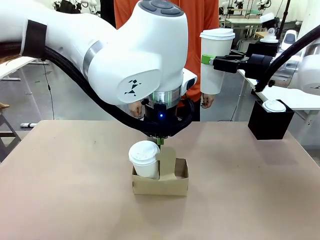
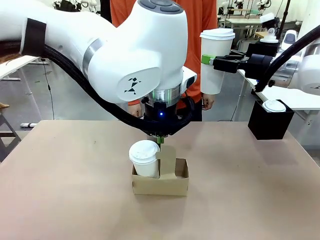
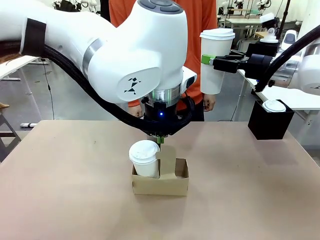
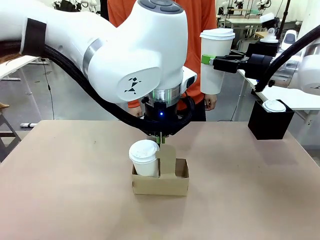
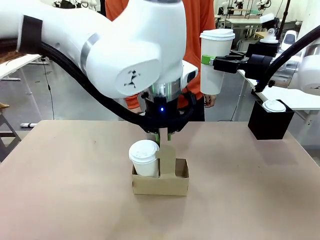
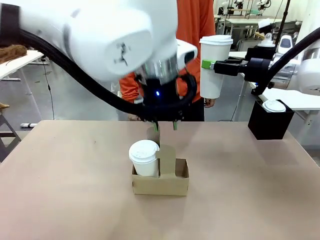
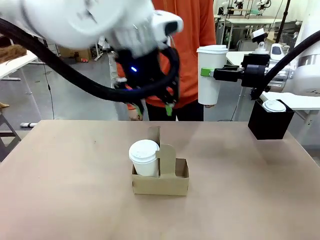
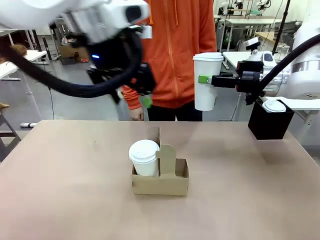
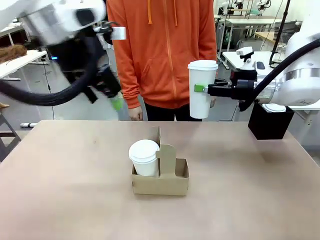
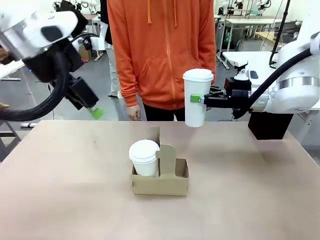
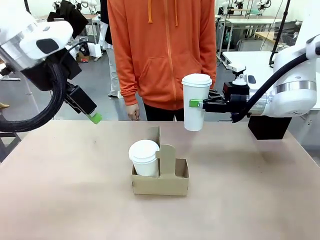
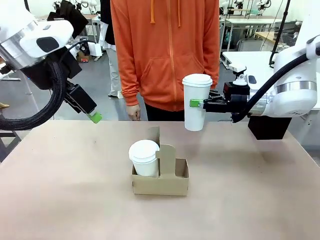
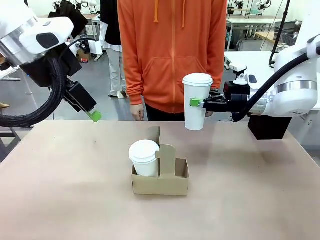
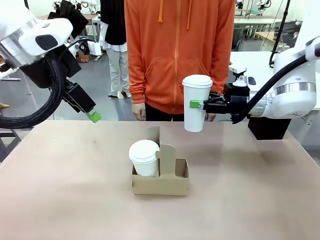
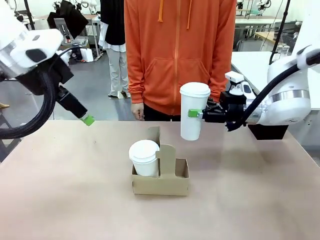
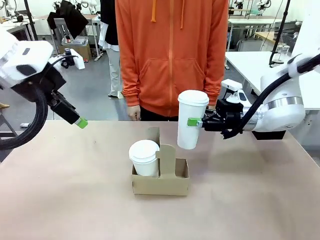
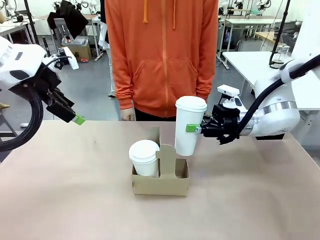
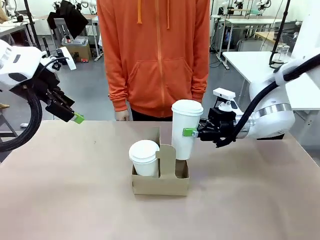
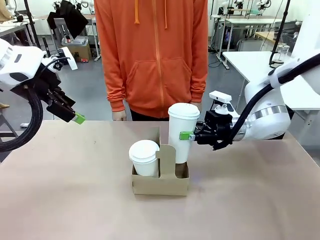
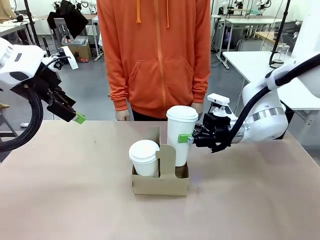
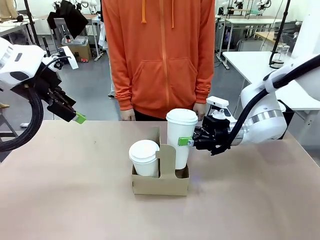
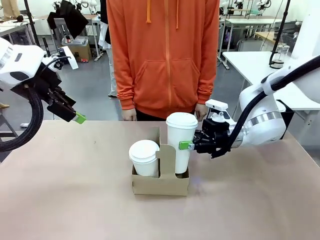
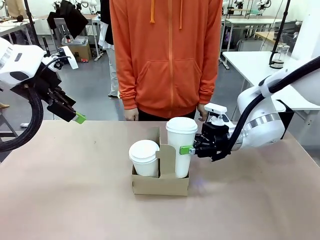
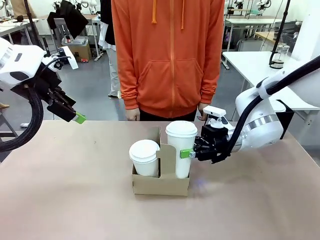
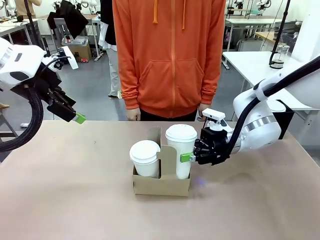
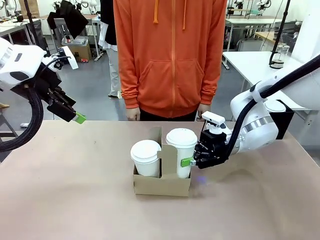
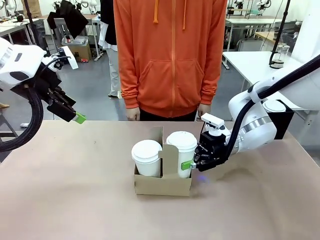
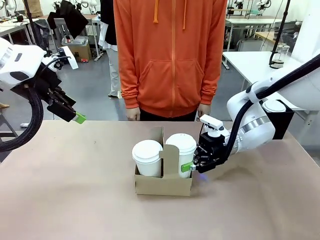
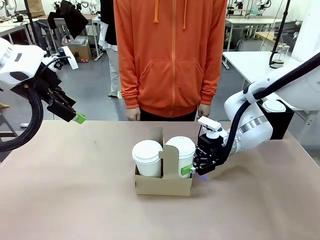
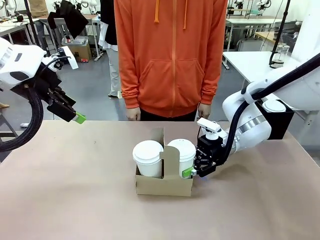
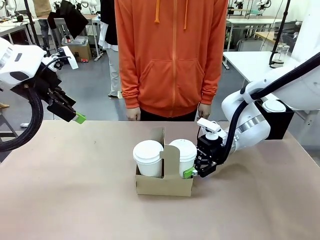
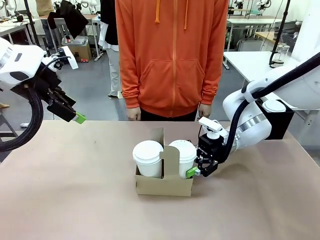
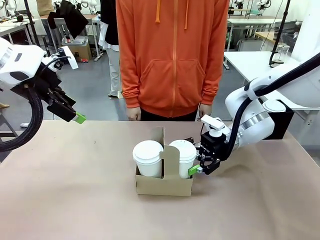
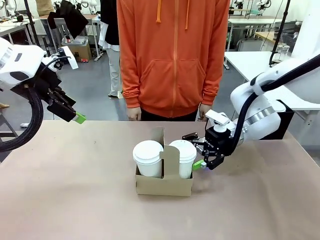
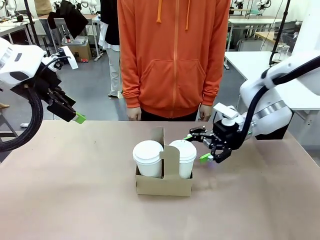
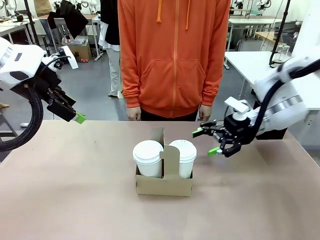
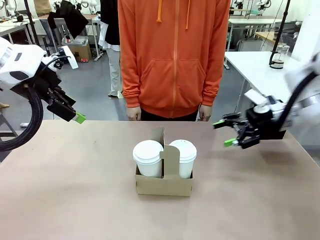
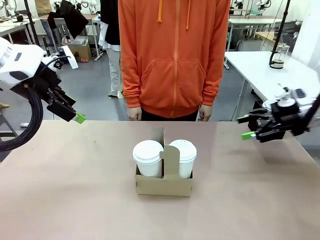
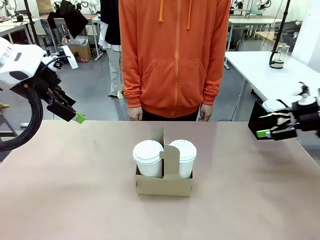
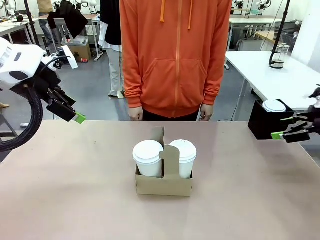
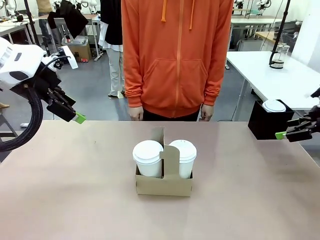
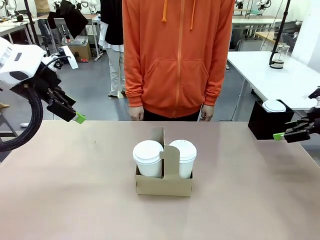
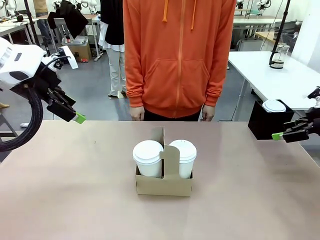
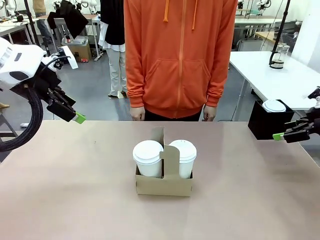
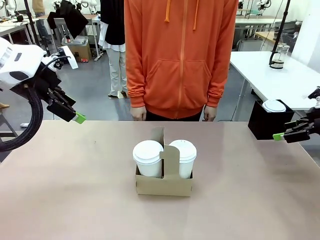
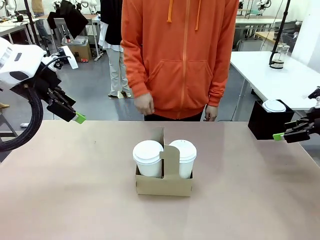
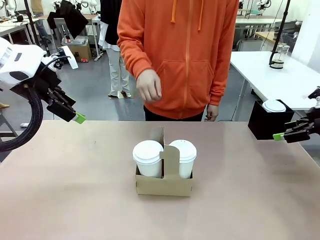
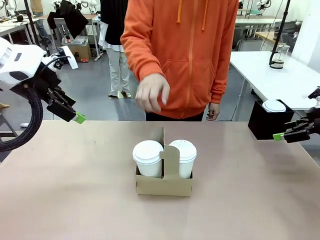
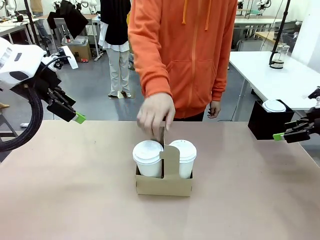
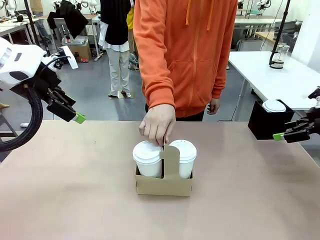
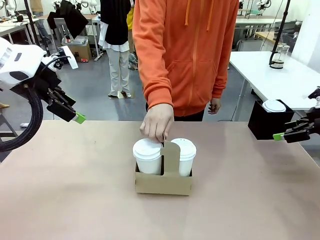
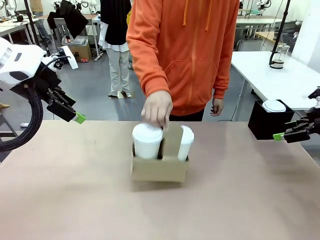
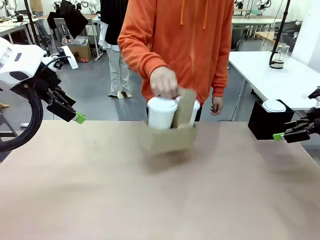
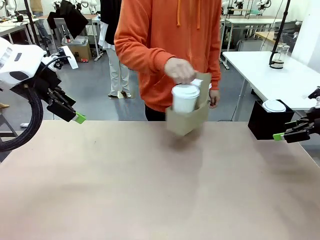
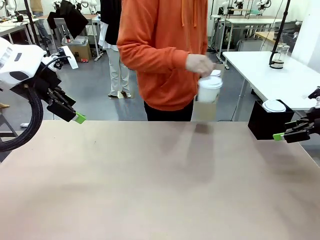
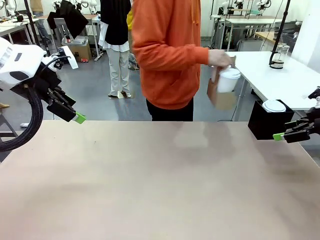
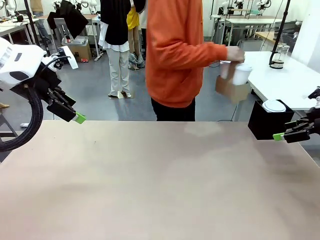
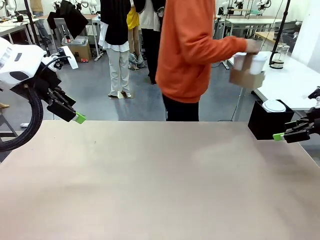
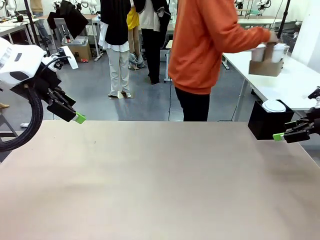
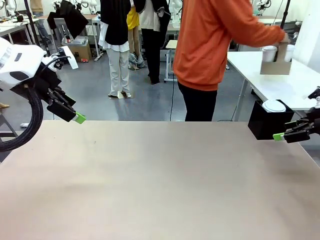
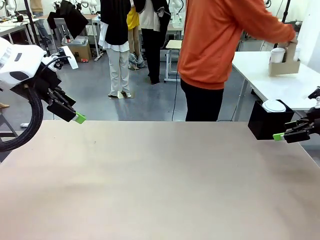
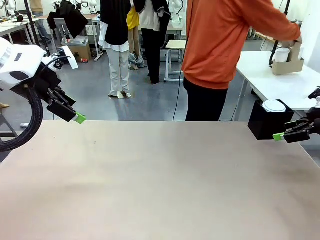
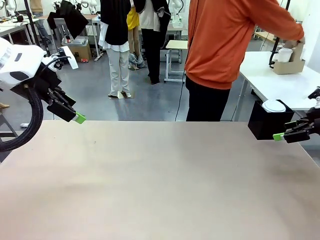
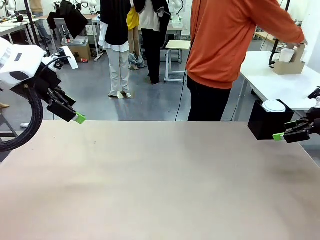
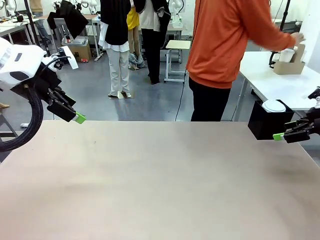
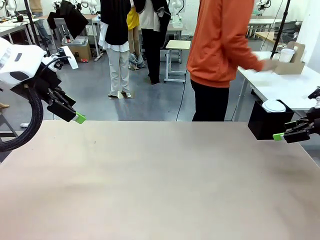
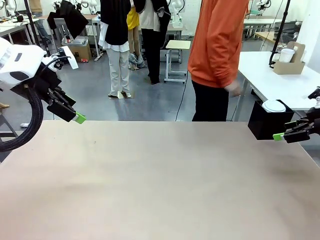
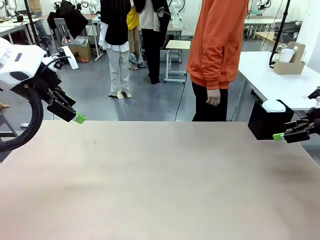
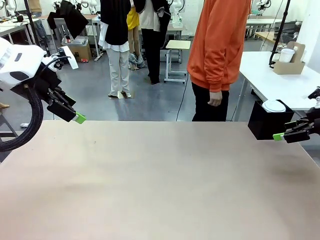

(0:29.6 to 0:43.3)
Task: Pour a drink into a cup and package it in a carrier.
Robot: Insert the held 600 ml Paper Cup into the Cup Carrier.
Person: Place the Cup Carrier to the middle of Human table.

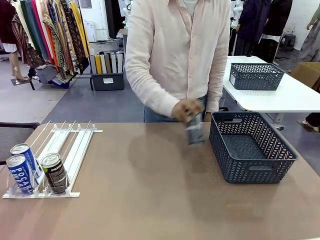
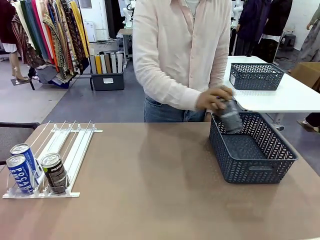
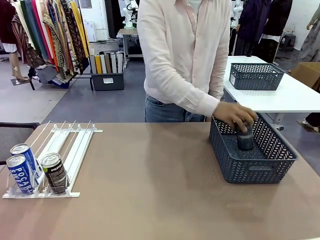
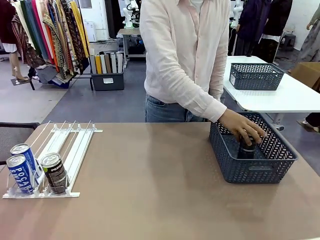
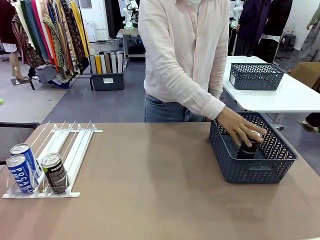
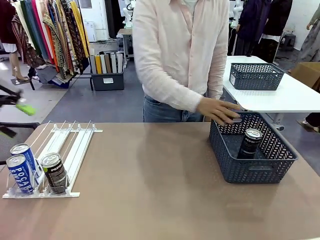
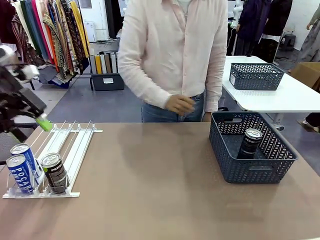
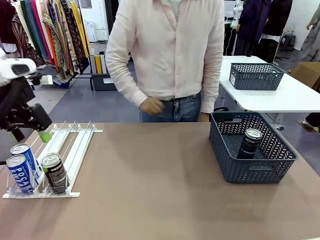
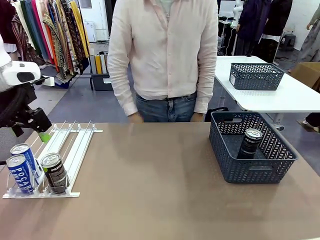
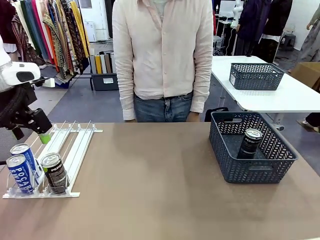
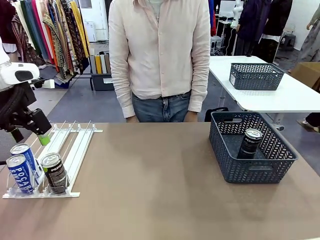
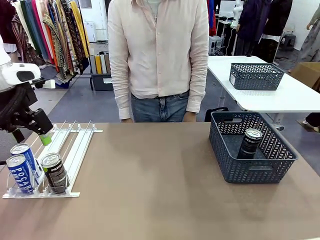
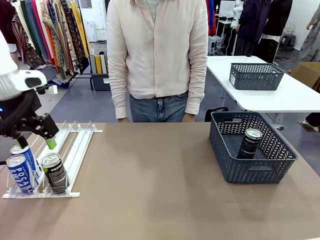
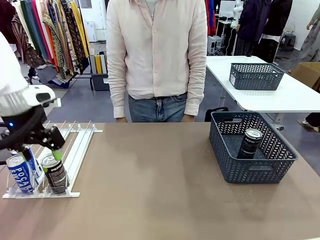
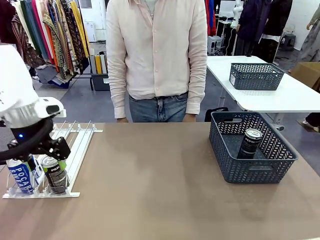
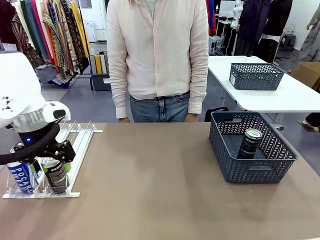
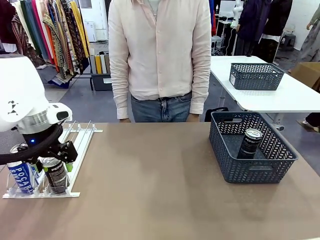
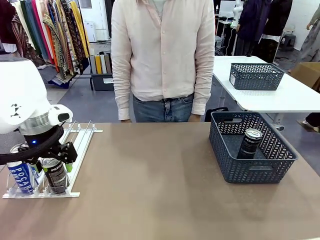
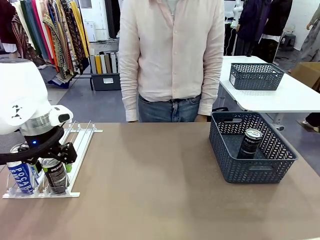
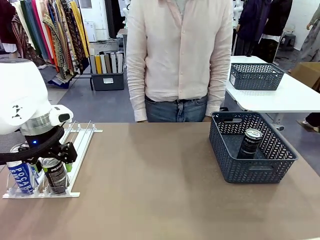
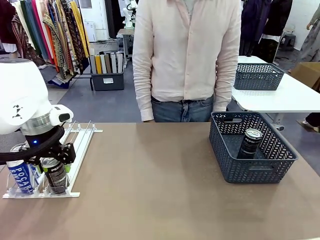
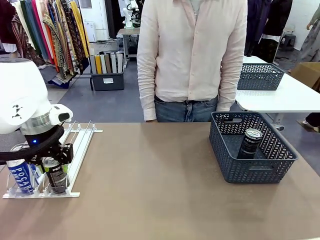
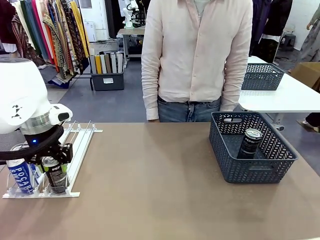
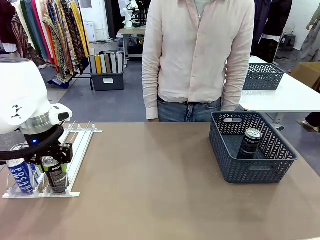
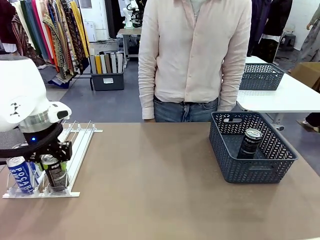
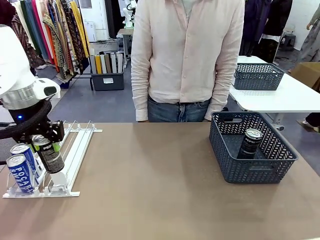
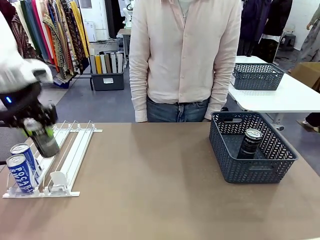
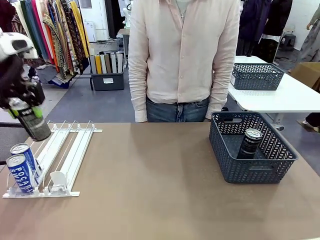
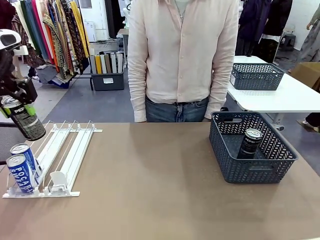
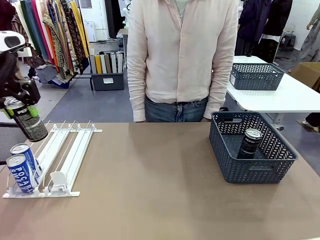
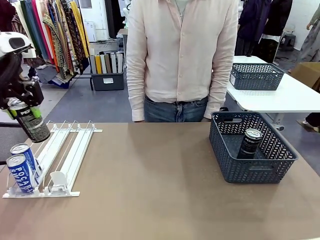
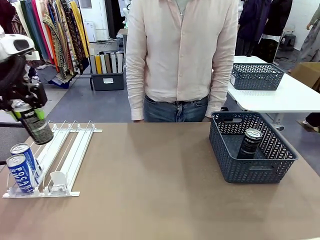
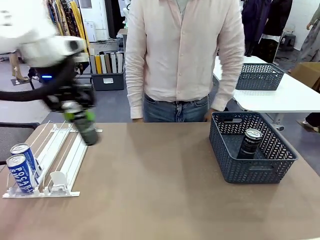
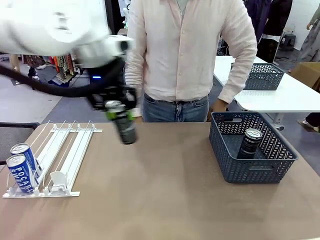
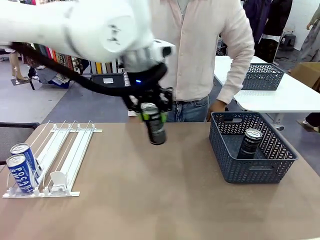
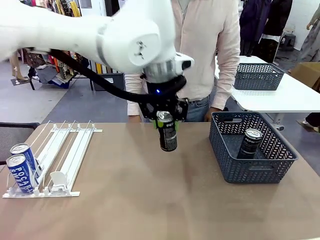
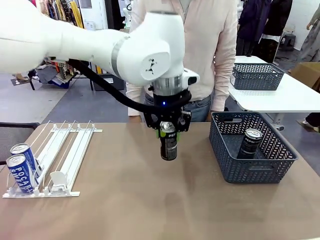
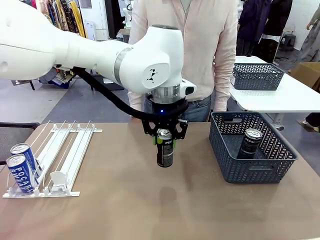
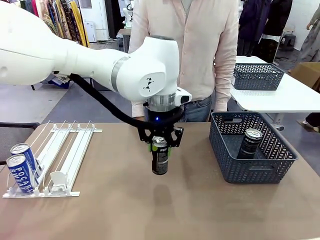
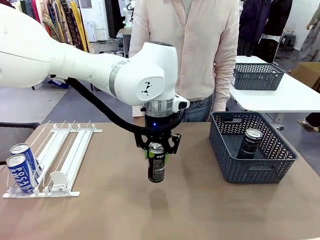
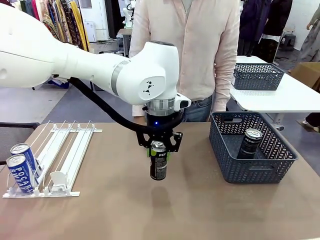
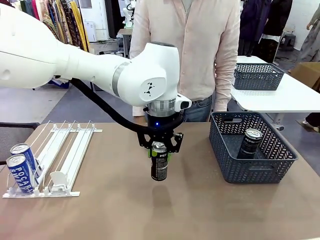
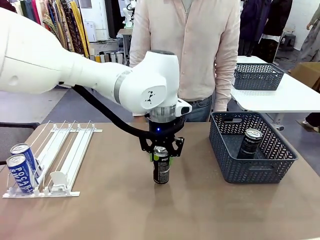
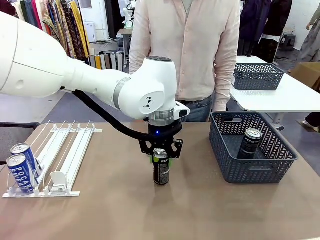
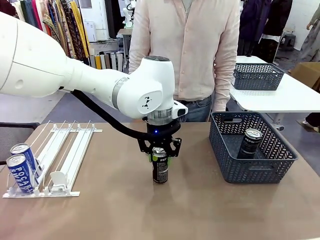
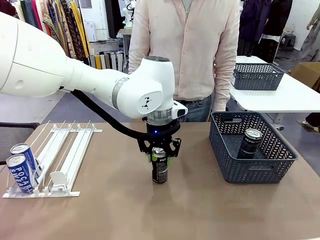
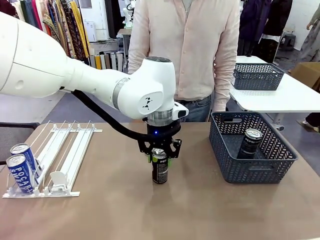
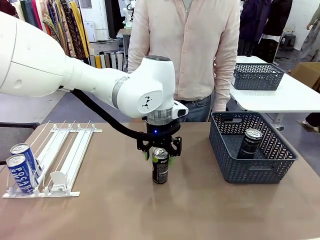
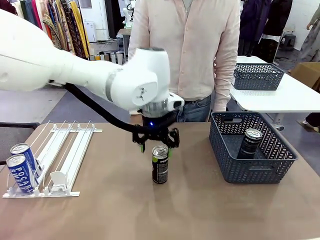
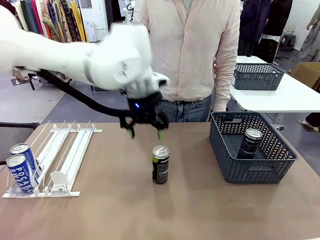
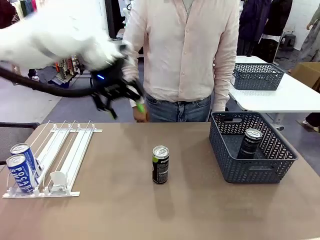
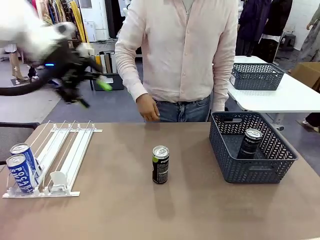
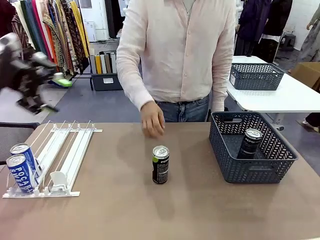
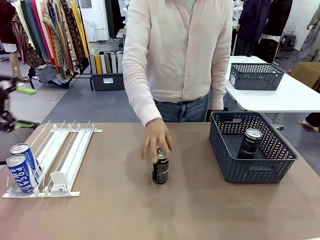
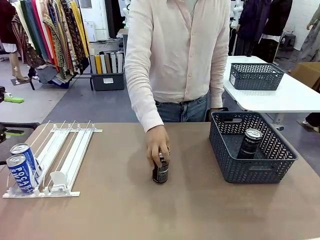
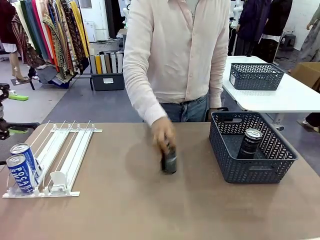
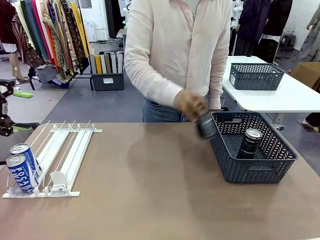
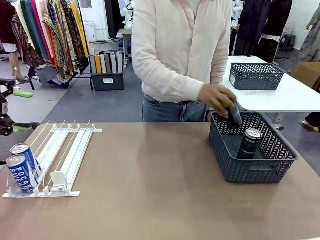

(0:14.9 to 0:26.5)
Task: Retrieve and store the cans from the dispenser.
Robot: Pick up the last remaining can from one row of the Automatic Can Dispenser and place it in the middle of the table.
Person: Pick up one Pepsi can from the middle of the robot table and place it in the basket.
